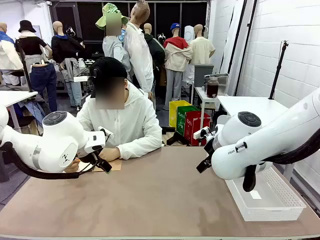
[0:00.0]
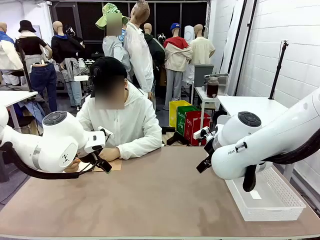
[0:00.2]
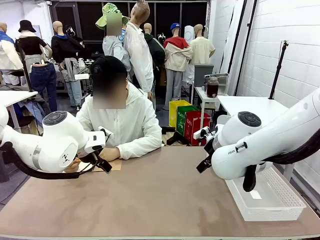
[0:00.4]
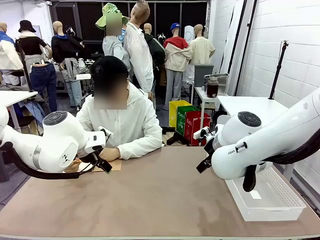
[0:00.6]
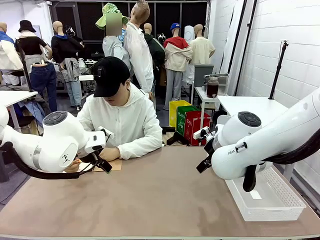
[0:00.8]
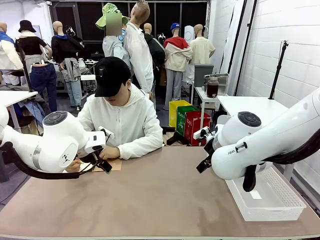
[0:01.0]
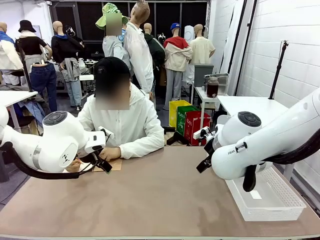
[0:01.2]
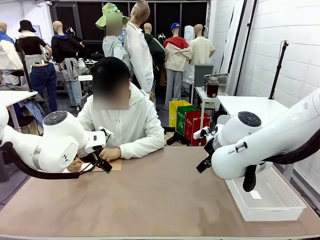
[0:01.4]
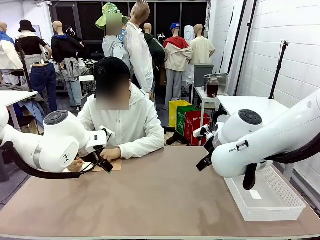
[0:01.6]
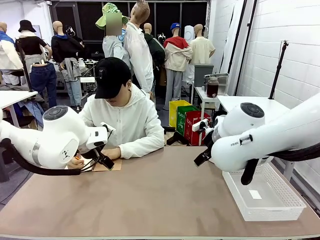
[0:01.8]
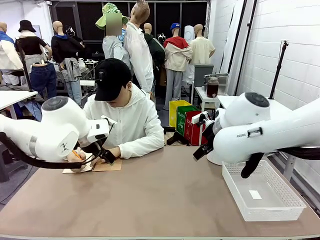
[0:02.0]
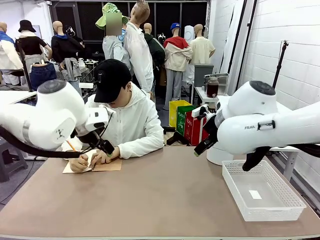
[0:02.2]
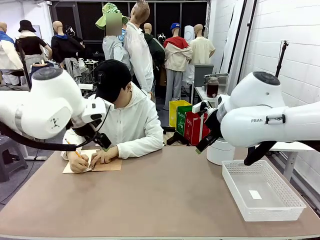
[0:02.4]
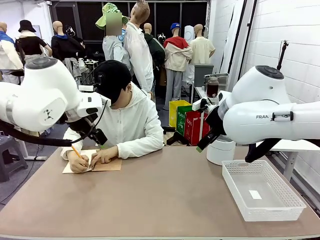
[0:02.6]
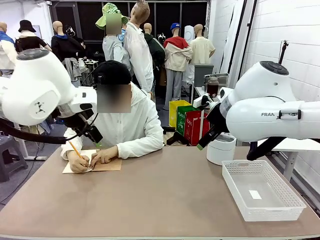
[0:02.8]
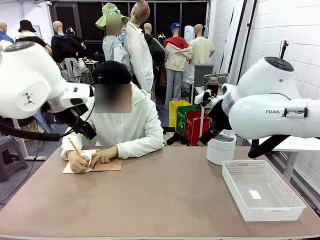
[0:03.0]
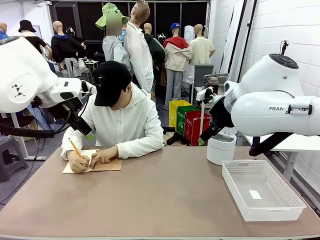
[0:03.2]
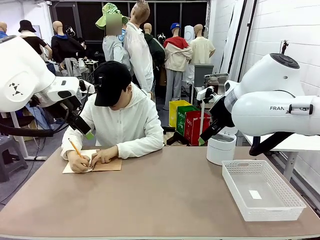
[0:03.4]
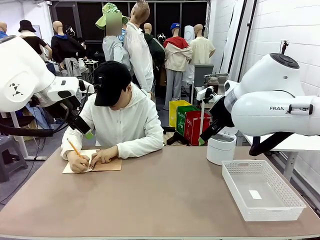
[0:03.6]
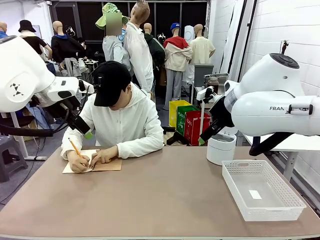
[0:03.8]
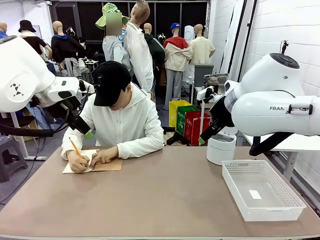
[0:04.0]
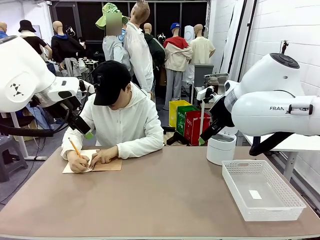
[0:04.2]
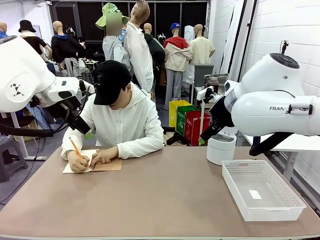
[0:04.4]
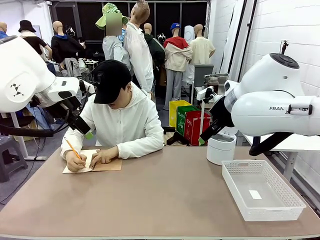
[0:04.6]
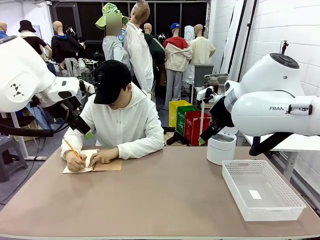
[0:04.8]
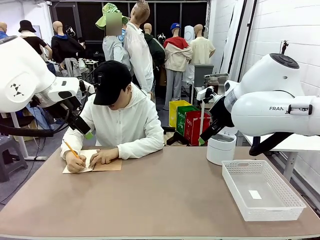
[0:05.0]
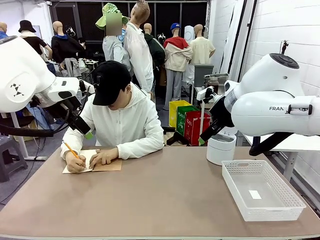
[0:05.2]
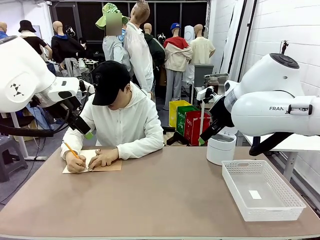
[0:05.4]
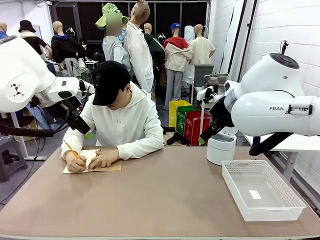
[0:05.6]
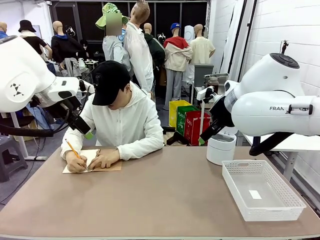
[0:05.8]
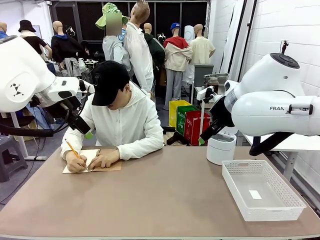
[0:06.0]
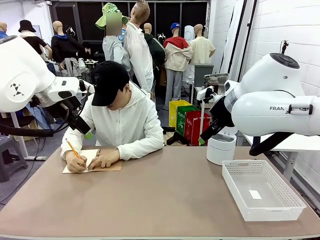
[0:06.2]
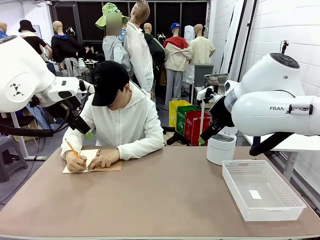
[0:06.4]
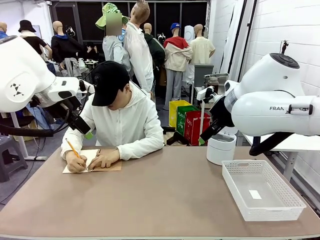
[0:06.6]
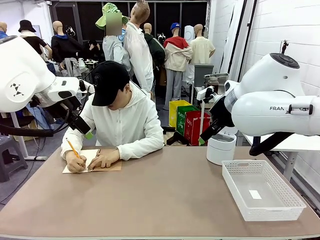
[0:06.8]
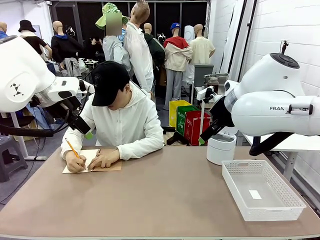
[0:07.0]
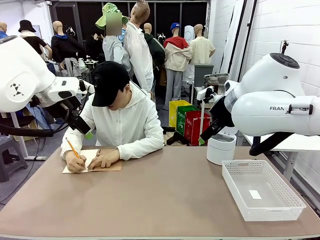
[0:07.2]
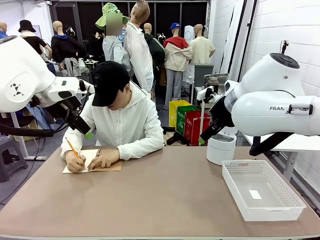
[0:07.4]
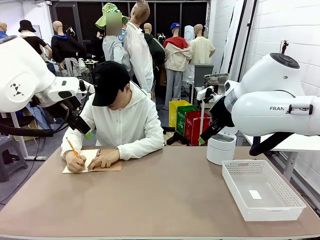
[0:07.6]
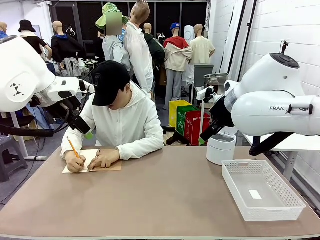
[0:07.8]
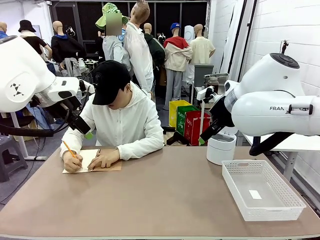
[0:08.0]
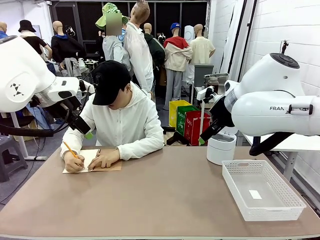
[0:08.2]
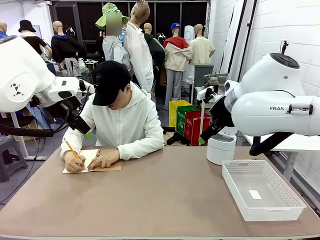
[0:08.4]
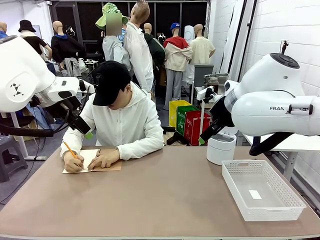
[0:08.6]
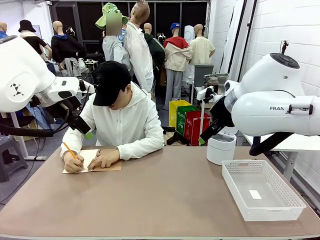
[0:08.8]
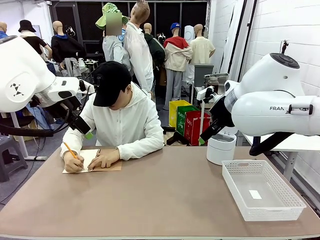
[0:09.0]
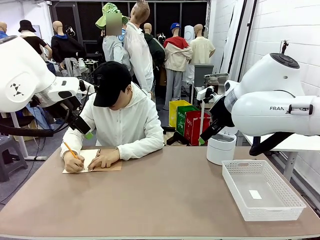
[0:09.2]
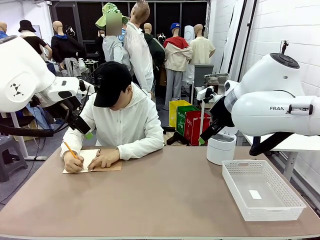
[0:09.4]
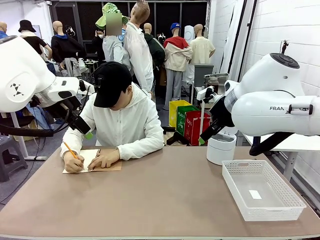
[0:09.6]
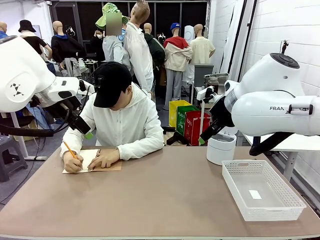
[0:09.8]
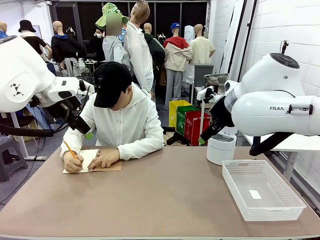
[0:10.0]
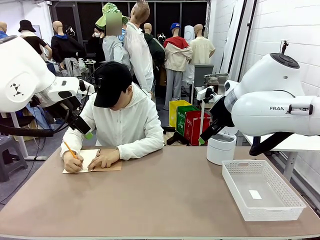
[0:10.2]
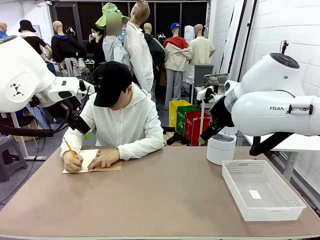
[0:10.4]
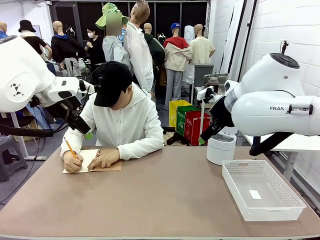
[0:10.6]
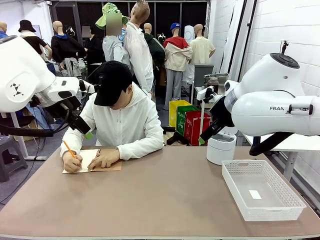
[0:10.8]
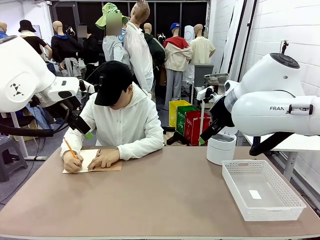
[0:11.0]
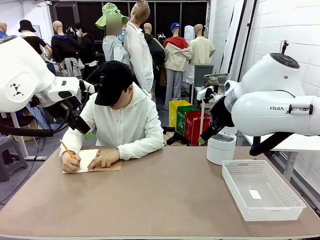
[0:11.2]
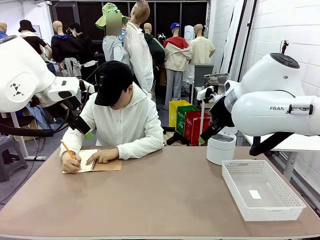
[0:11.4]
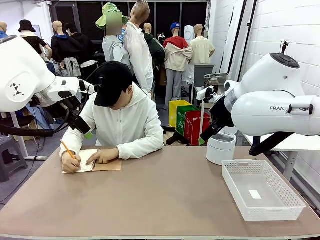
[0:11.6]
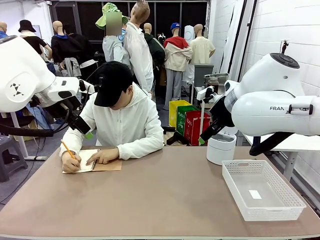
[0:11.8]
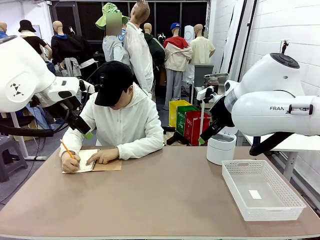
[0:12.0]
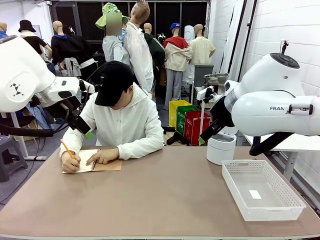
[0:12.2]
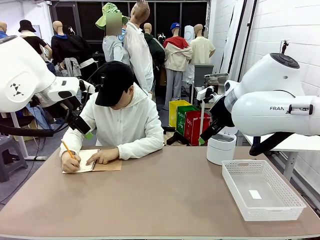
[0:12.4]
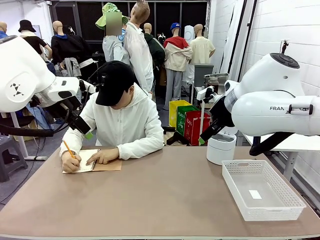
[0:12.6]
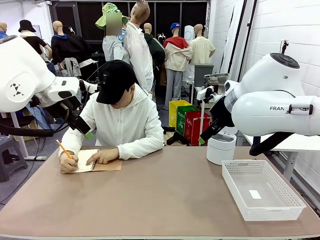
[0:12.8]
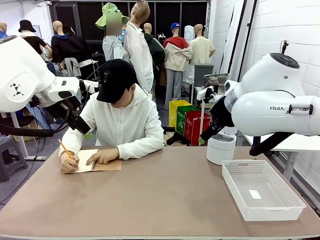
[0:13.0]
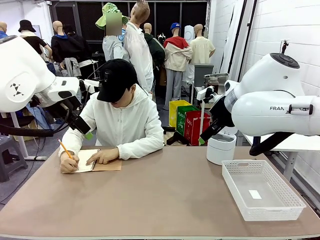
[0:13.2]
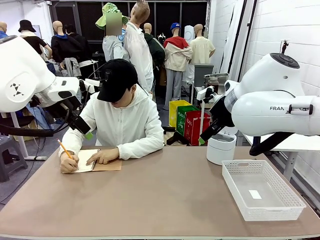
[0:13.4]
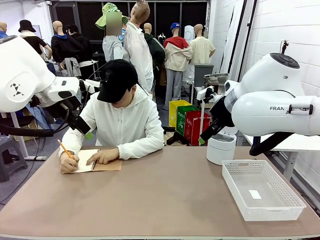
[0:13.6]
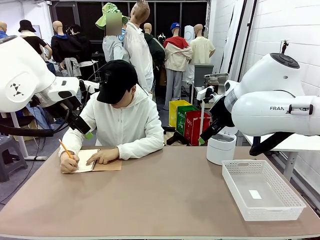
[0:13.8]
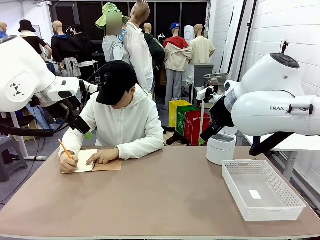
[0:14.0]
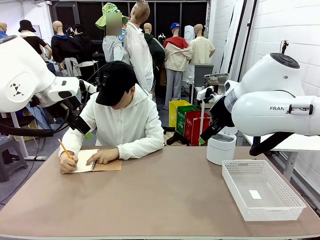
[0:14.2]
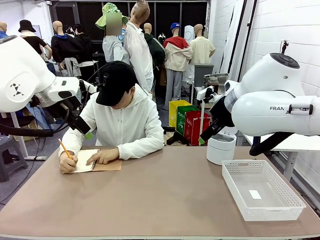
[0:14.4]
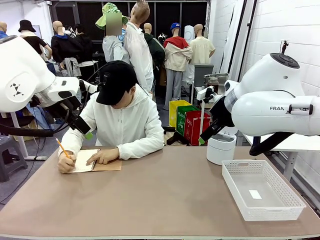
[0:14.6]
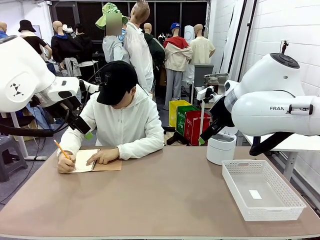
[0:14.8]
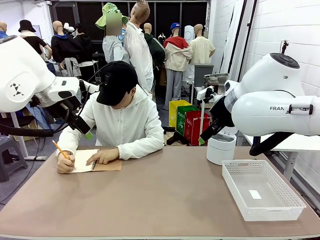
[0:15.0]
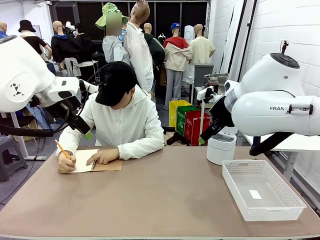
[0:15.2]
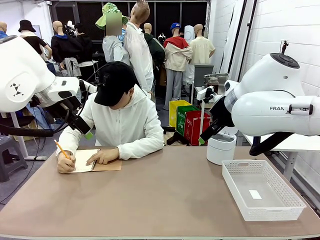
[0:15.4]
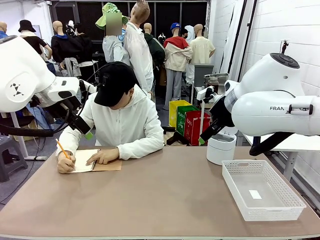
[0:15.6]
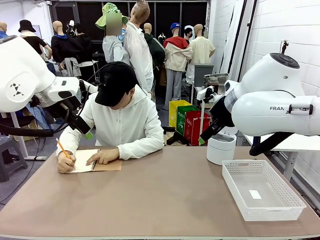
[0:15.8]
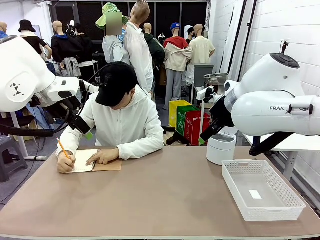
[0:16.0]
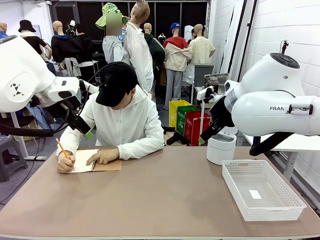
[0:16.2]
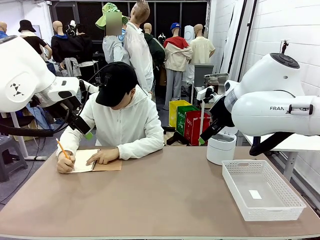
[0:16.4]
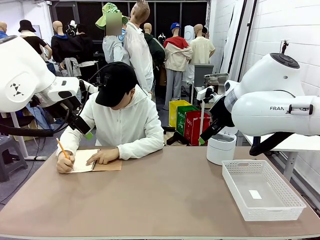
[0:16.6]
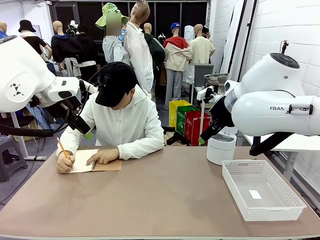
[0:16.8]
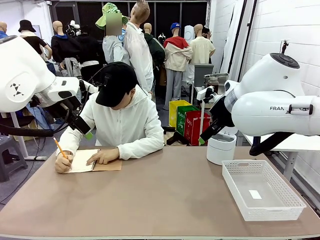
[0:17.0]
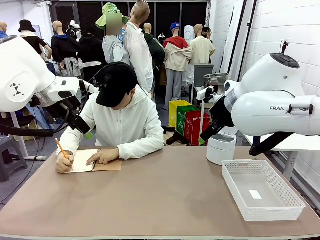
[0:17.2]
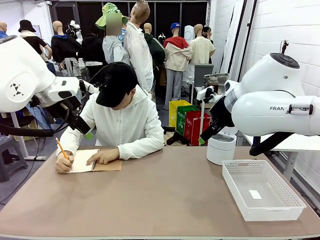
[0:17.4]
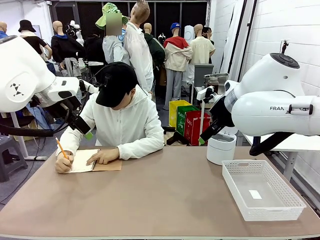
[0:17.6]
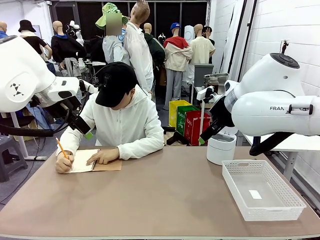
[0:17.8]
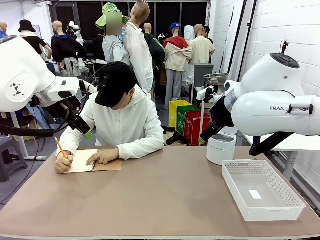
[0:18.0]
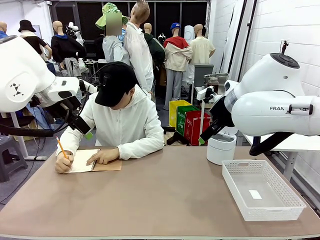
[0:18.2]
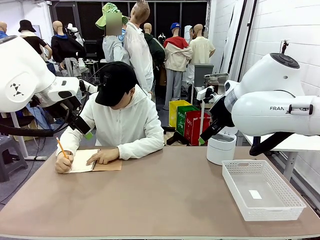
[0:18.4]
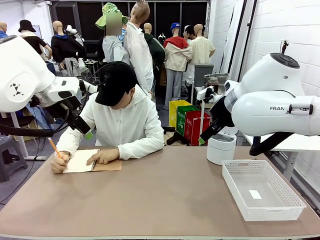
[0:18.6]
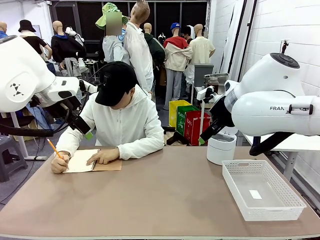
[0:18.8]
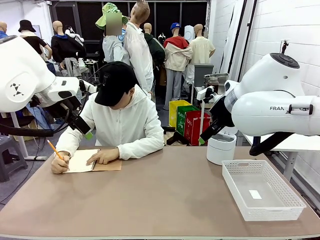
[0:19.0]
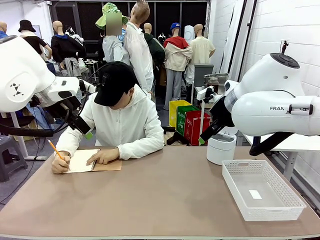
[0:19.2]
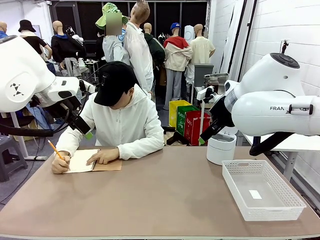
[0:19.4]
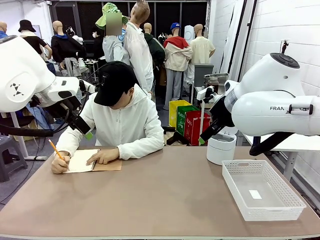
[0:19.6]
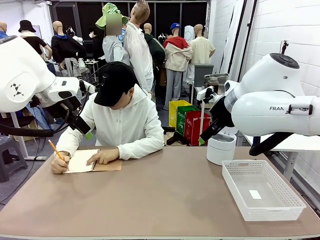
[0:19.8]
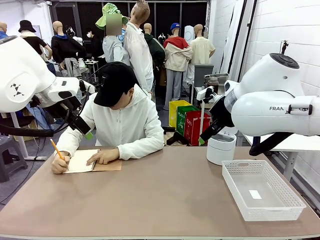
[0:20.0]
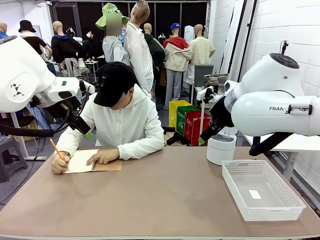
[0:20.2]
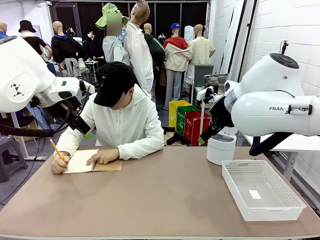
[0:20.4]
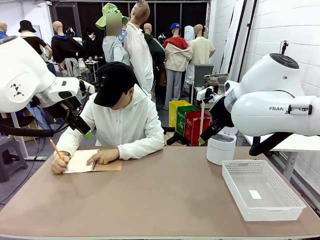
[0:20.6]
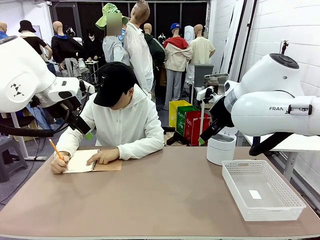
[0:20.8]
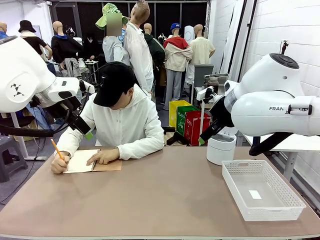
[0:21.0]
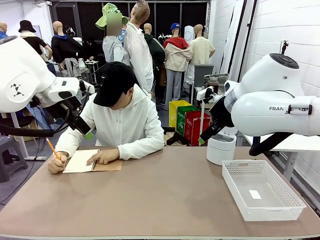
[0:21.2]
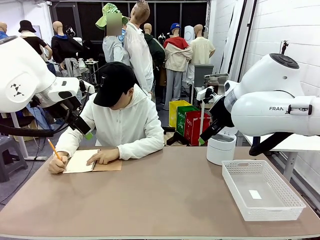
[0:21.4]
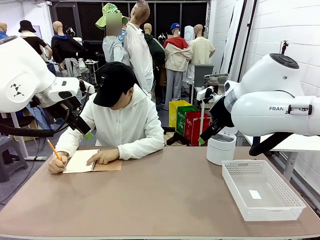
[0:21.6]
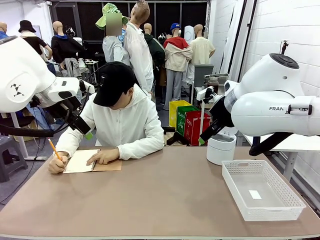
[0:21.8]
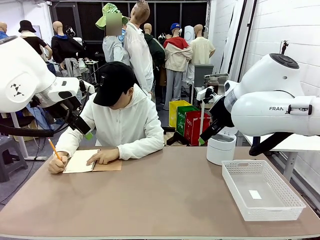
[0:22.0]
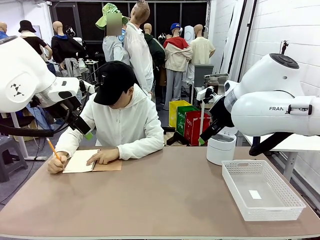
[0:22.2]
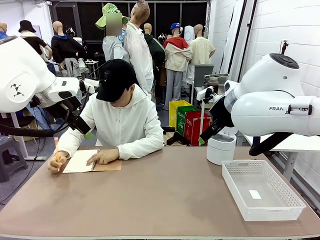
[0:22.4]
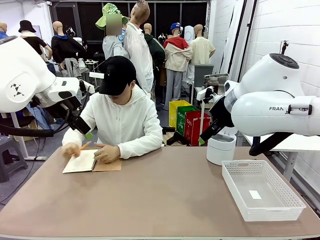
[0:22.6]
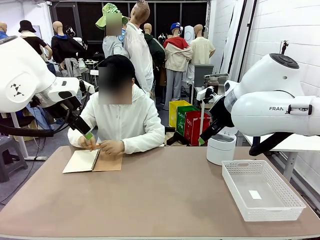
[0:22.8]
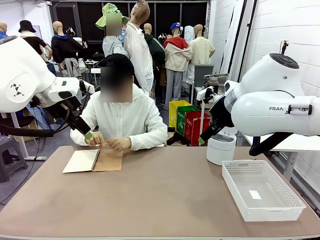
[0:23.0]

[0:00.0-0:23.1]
Task: Sort the paper based on its condition.
Robot: If a person hands you a paper, place it in the Organizing basket , and if it's crumpled, put it in the Trash can.
Person: Tear out a page from the spiral notebook.
